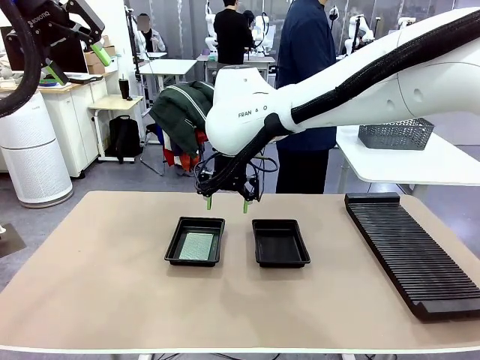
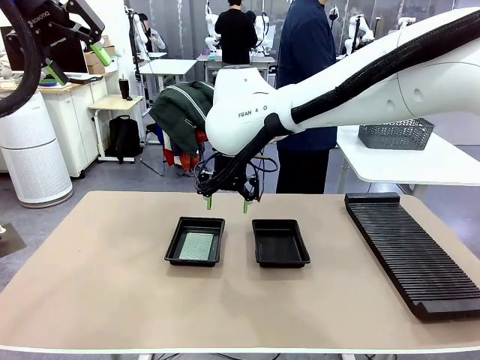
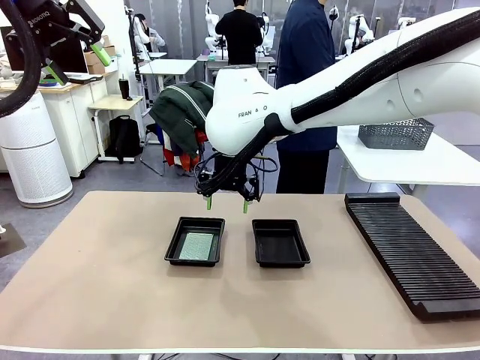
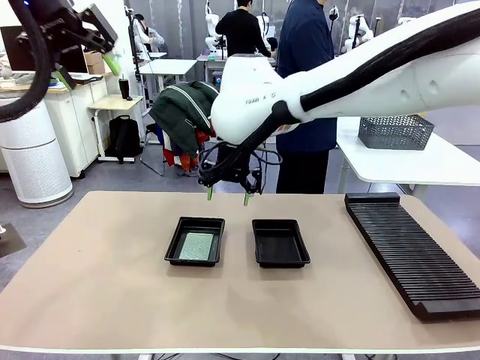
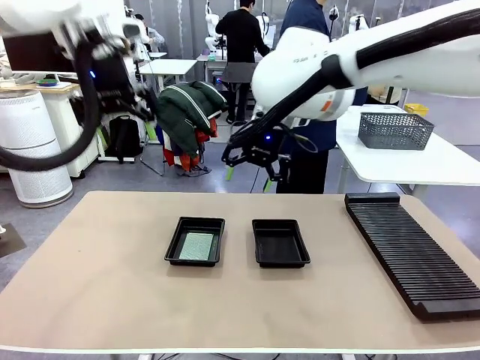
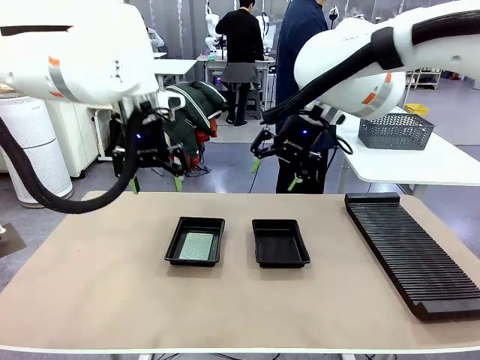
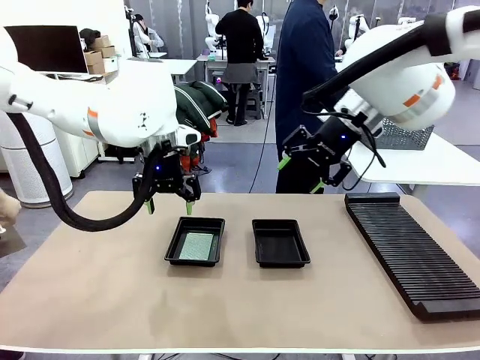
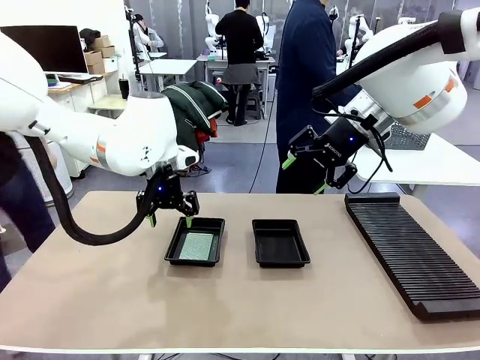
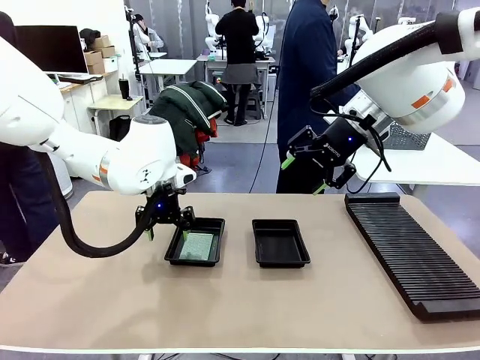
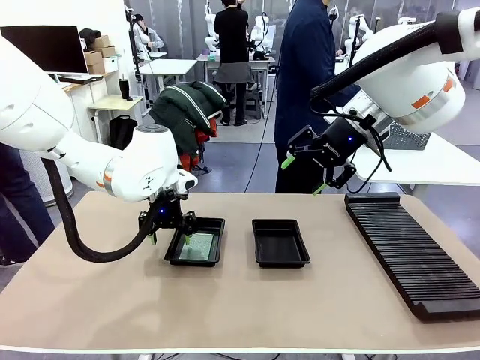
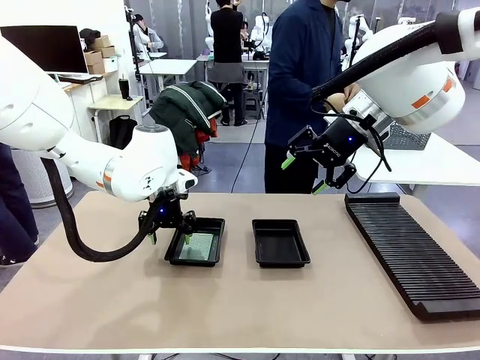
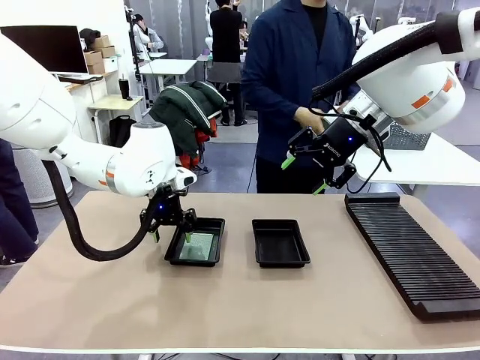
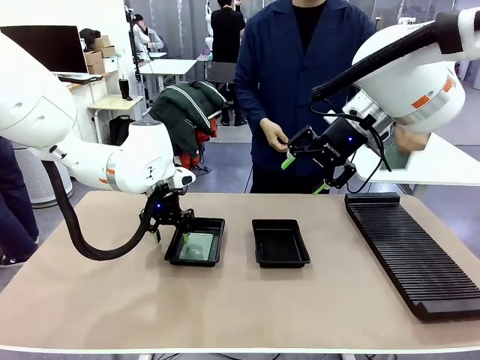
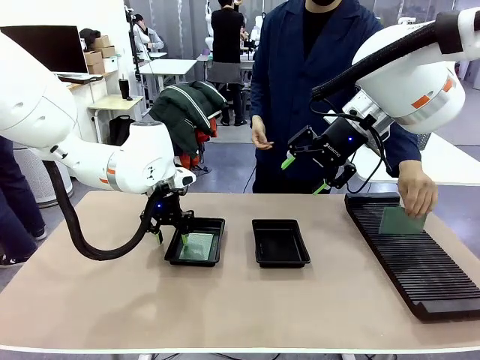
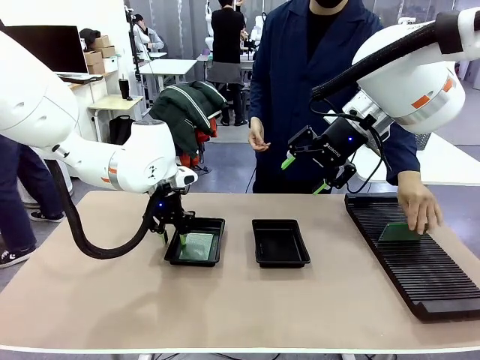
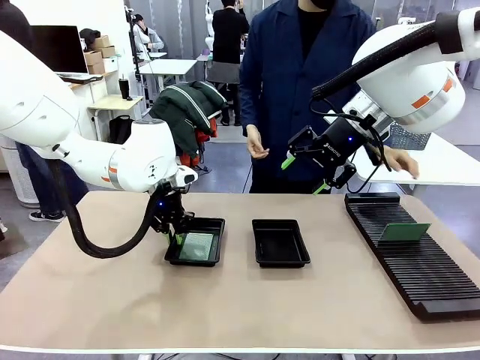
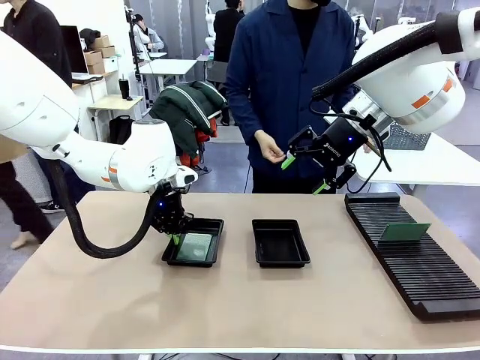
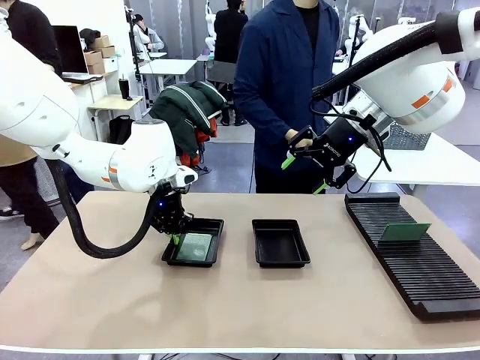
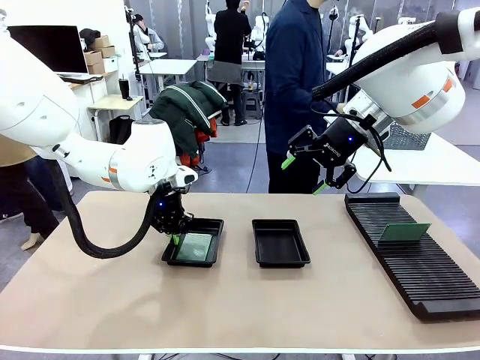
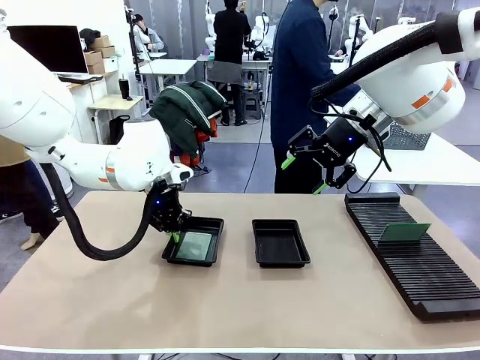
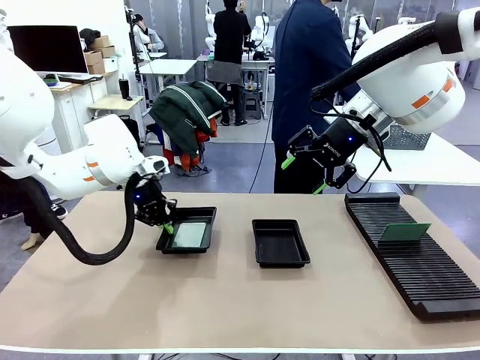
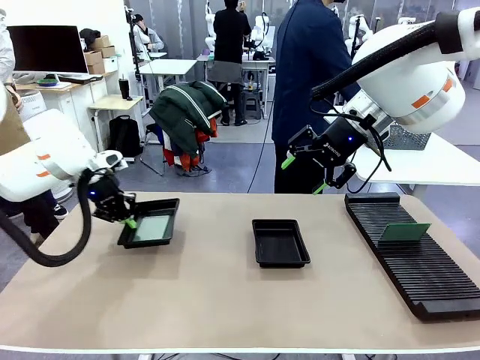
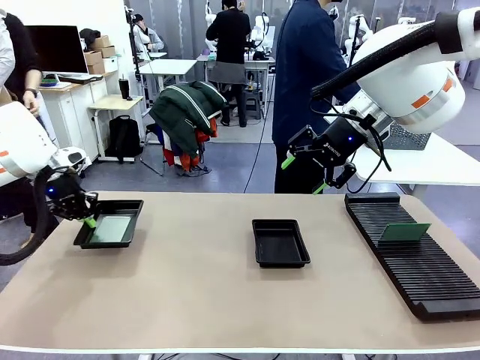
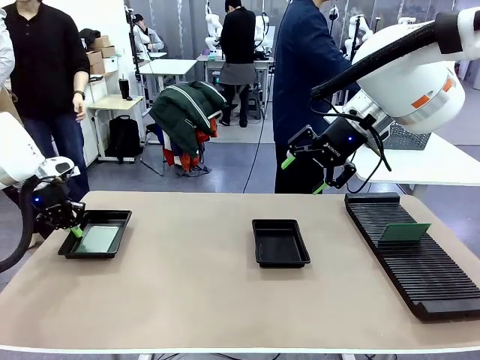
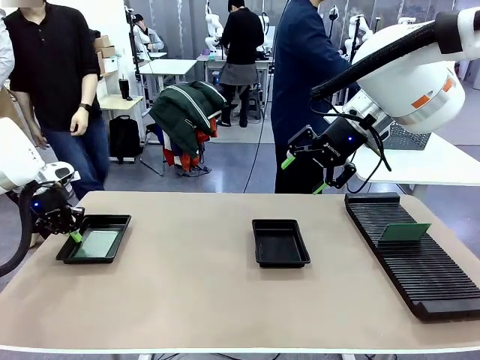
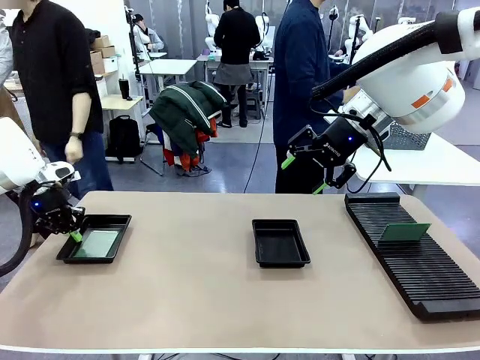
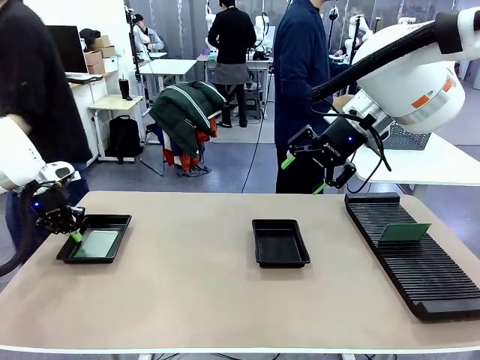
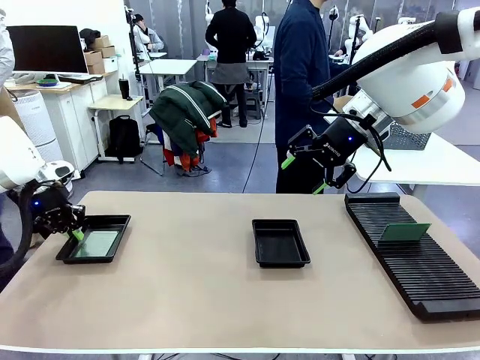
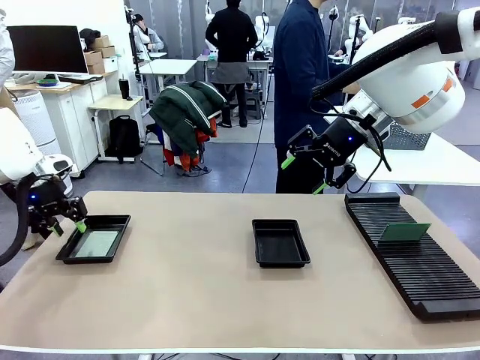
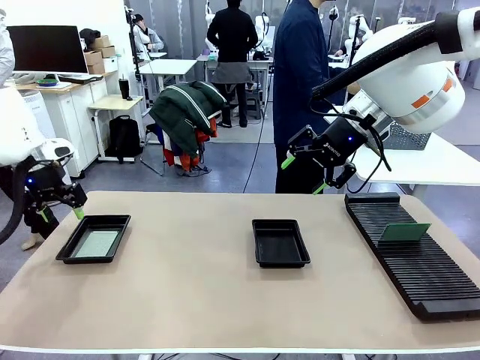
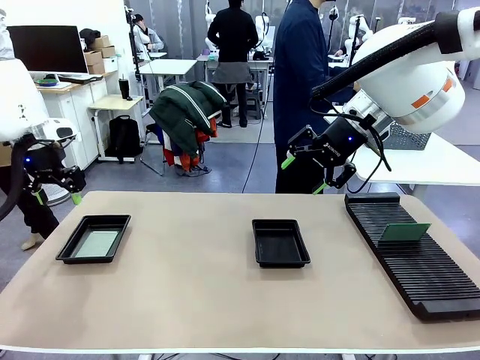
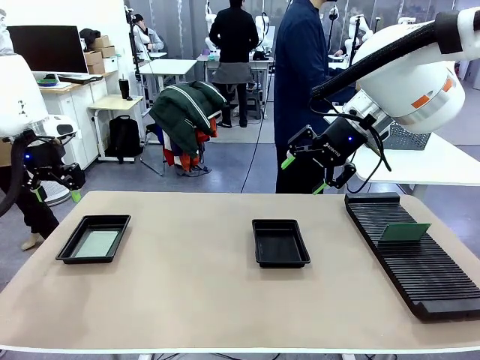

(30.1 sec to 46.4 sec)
Task: Inspect and transfer BCBs to ESD trays.
Robot: Pick up the ESD tray and place it on the left side of the table.

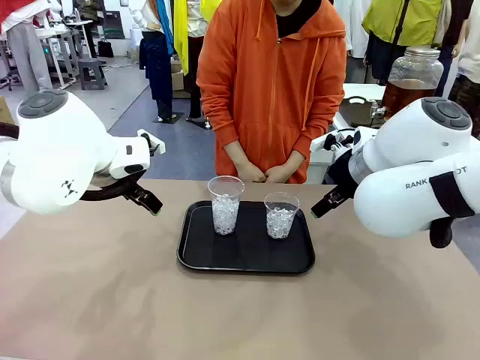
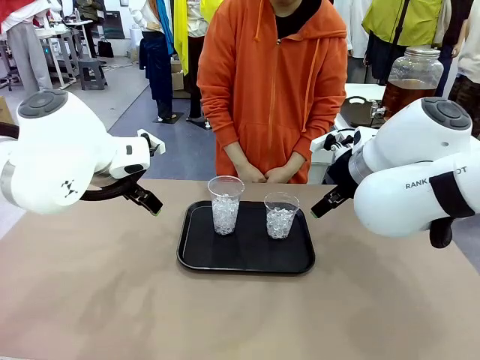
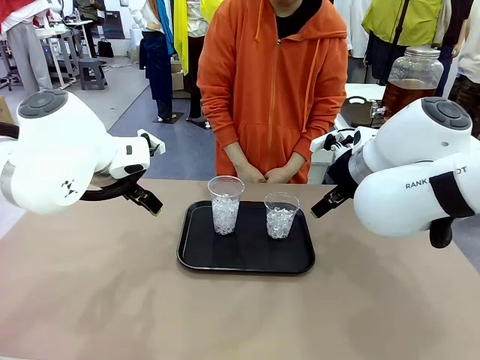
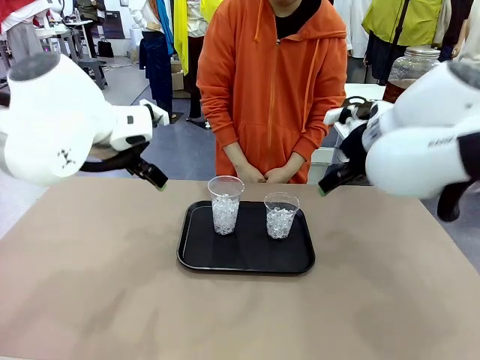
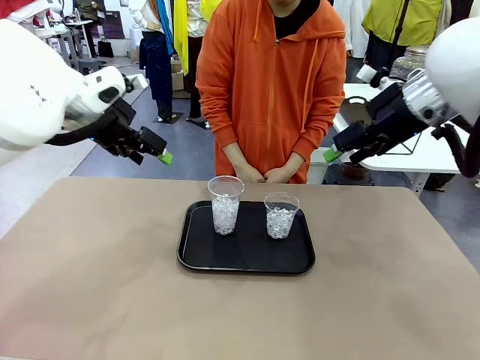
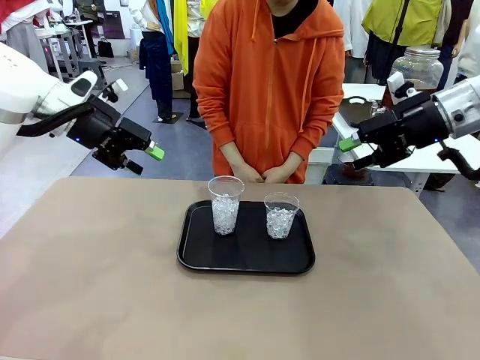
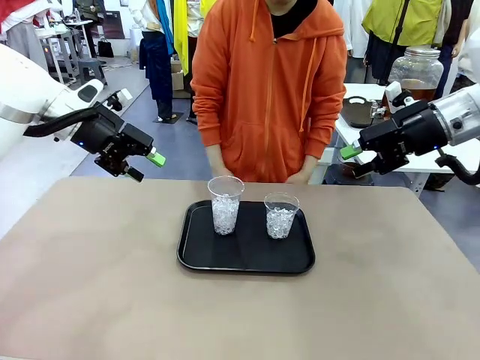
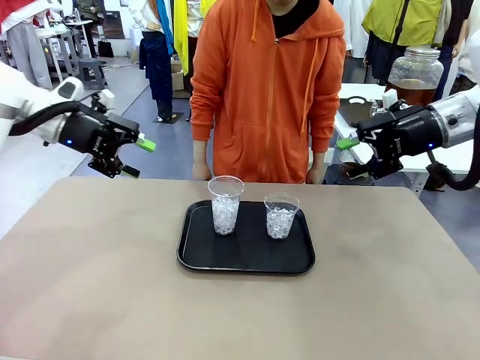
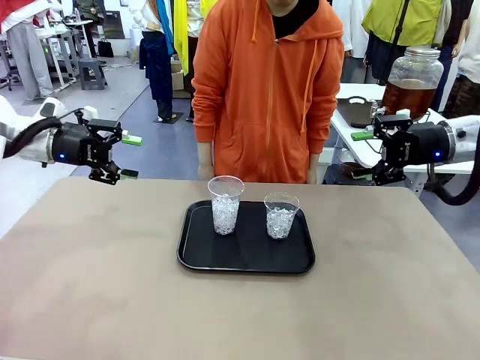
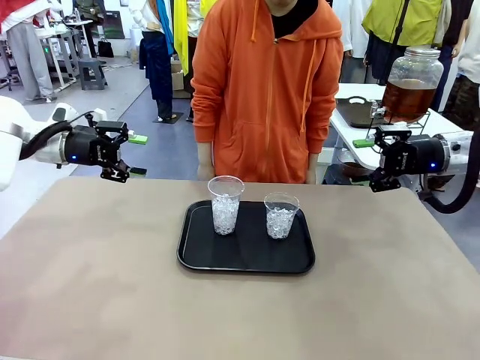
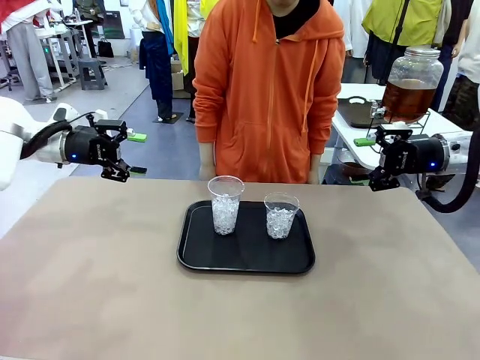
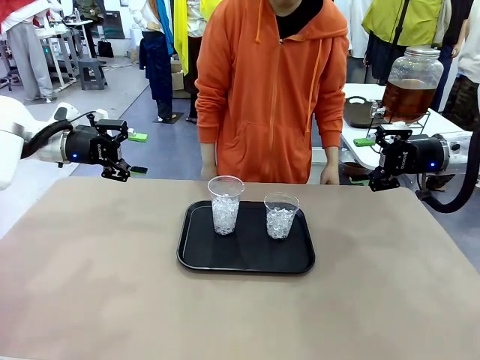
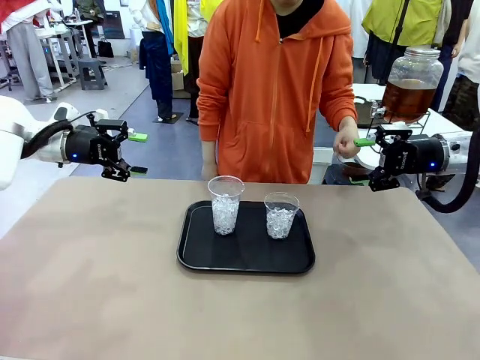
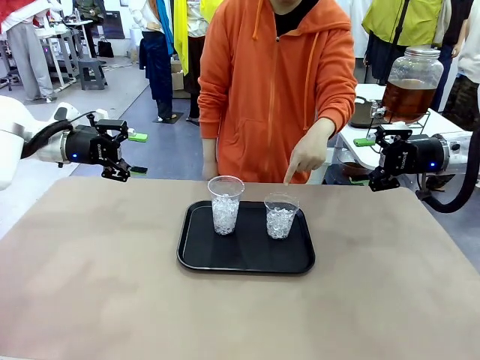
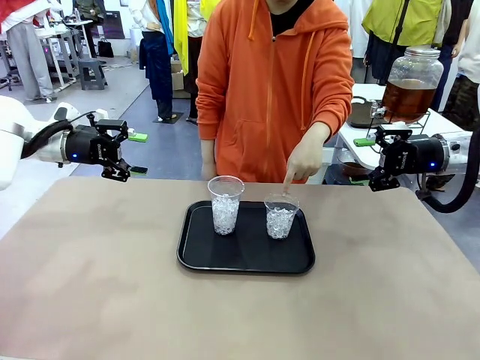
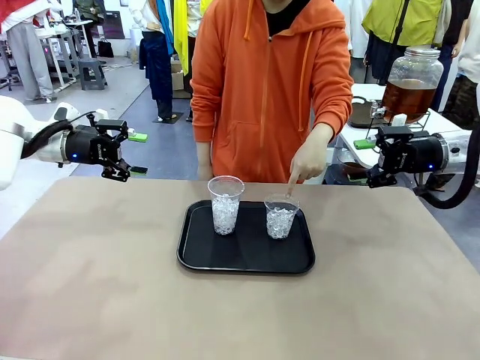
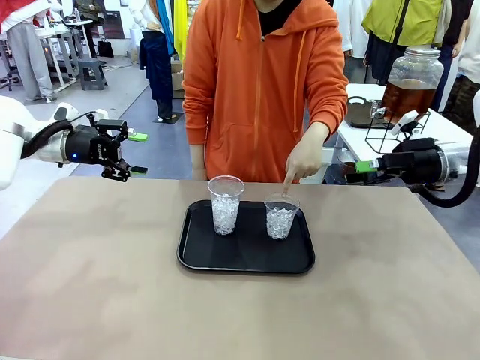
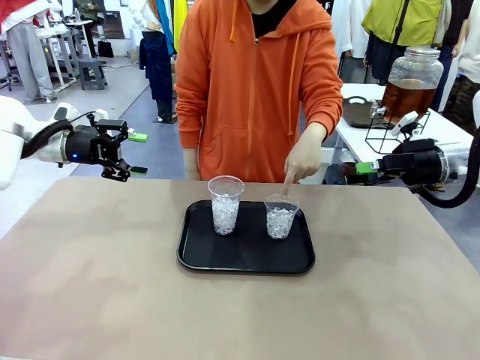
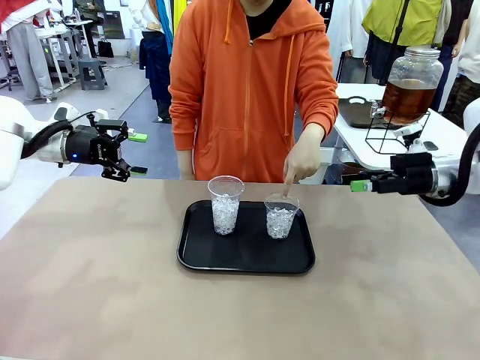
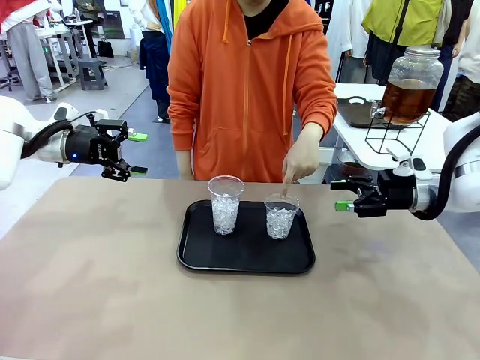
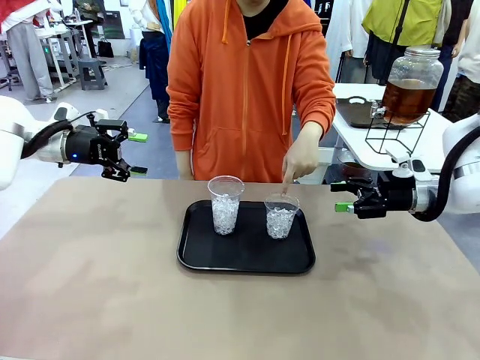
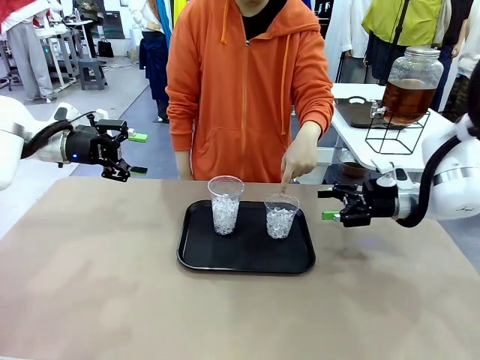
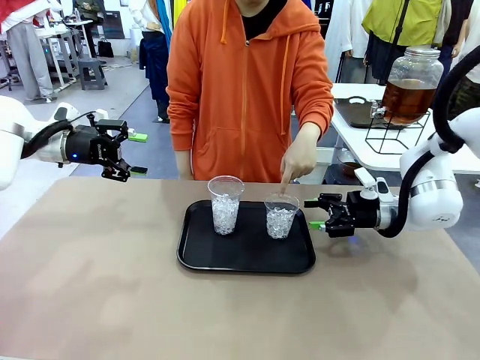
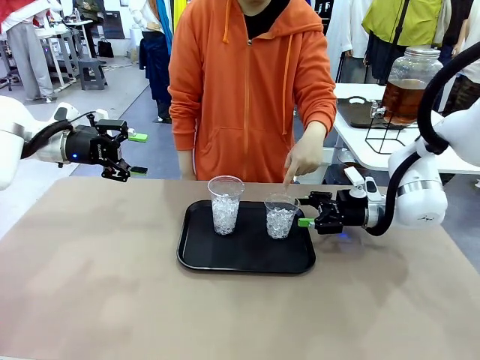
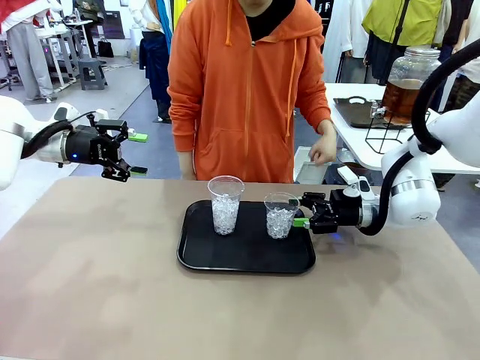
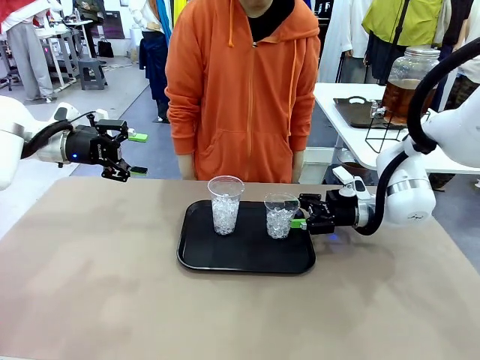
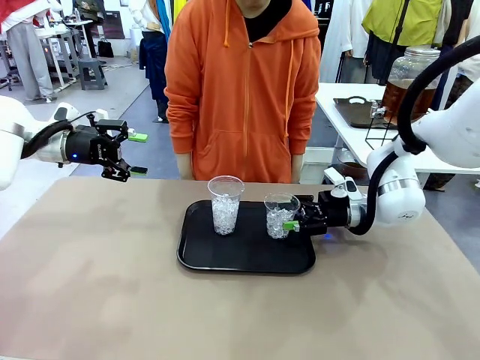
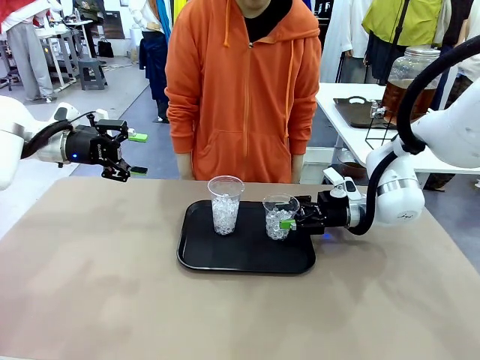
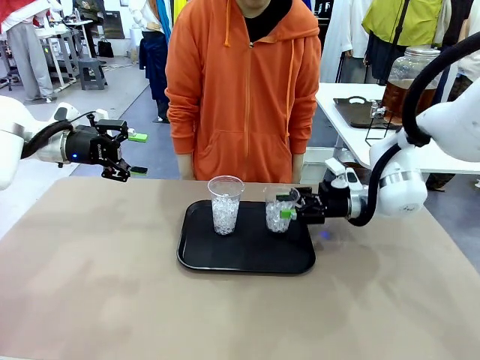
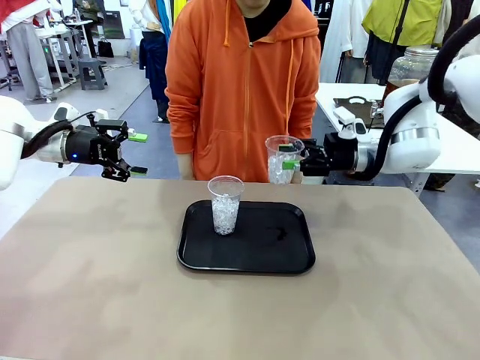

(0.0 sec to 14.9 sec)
Task: Pour the drink into the iced cup.
Robot: Pick up the iced cup indicated by the human and present it to them.
Person: Point to one of the two ice cups. Pick up the cup offered by the robot.
